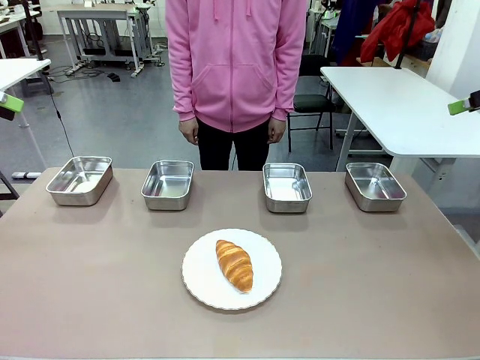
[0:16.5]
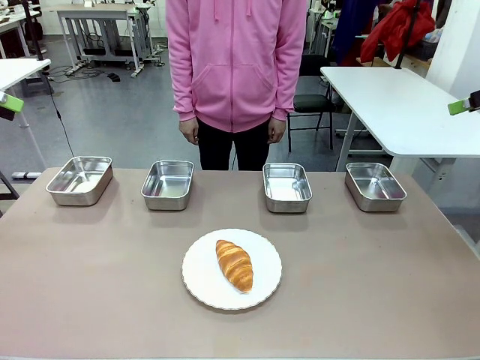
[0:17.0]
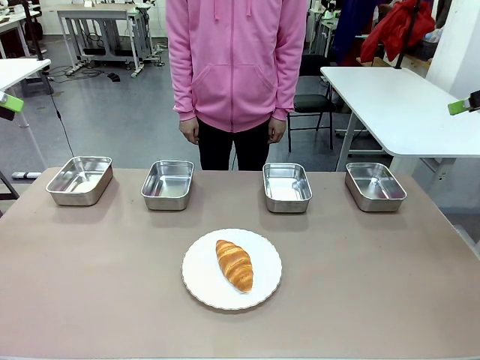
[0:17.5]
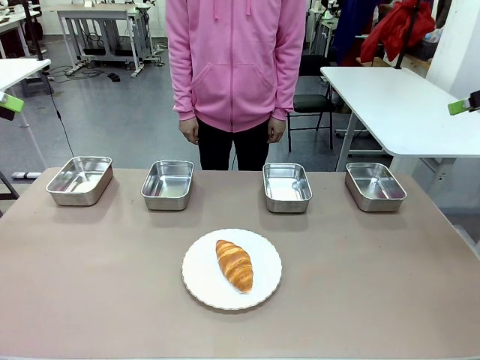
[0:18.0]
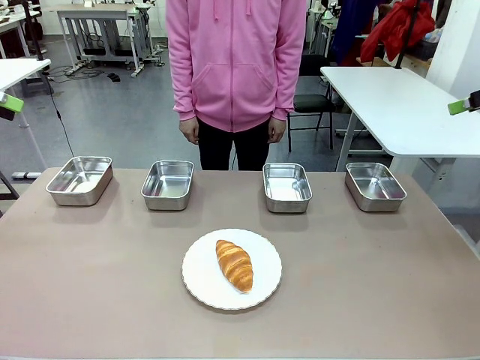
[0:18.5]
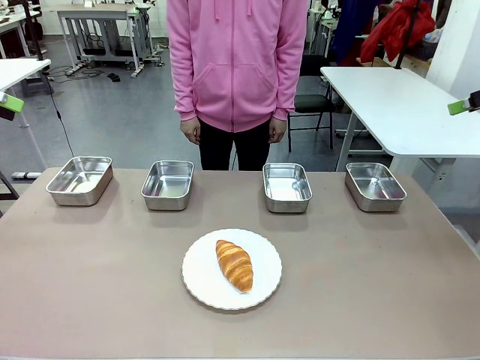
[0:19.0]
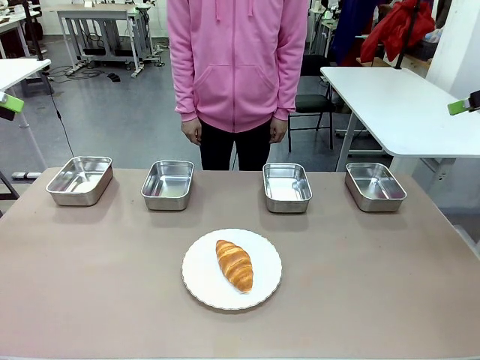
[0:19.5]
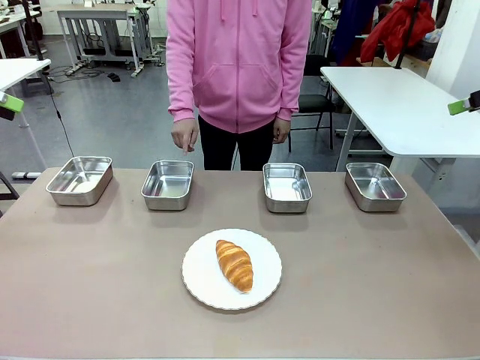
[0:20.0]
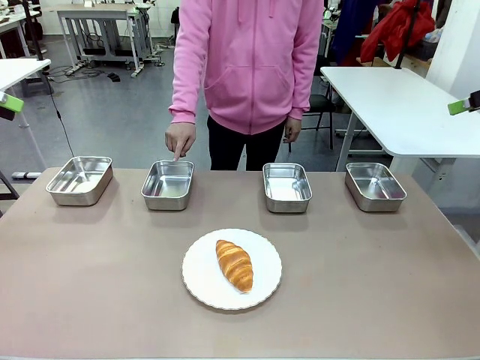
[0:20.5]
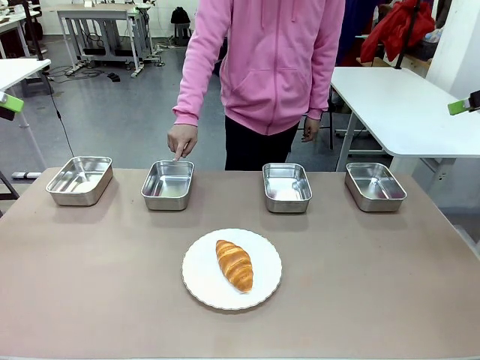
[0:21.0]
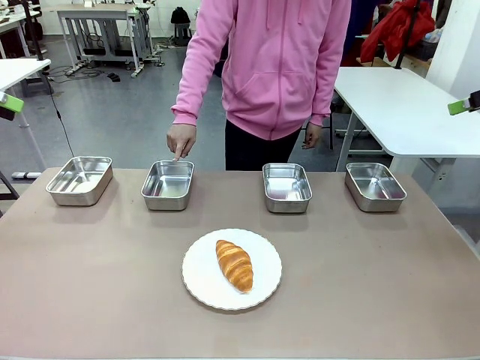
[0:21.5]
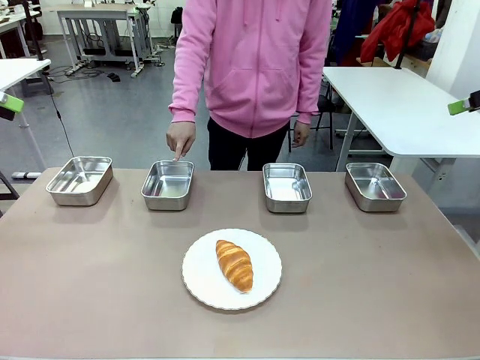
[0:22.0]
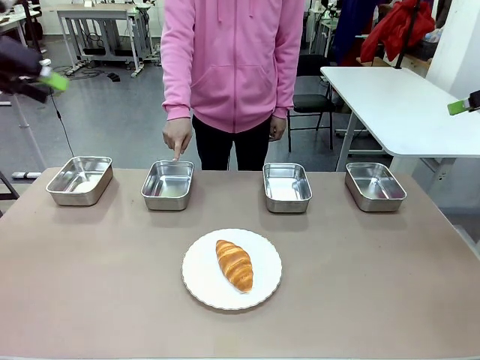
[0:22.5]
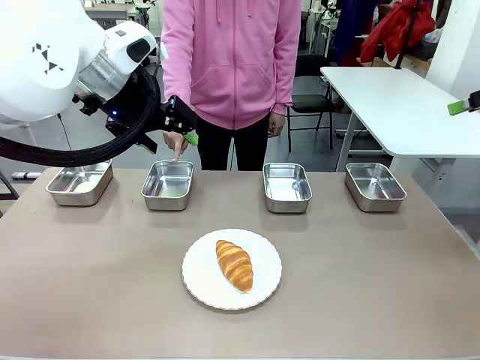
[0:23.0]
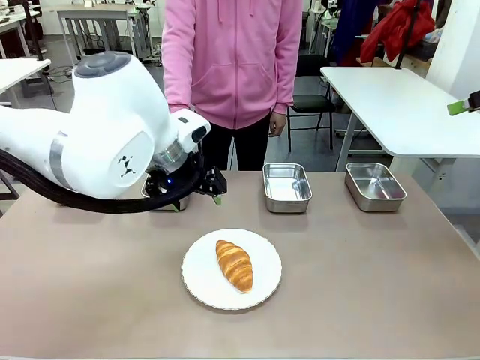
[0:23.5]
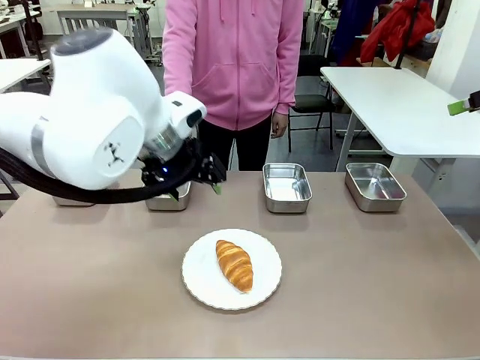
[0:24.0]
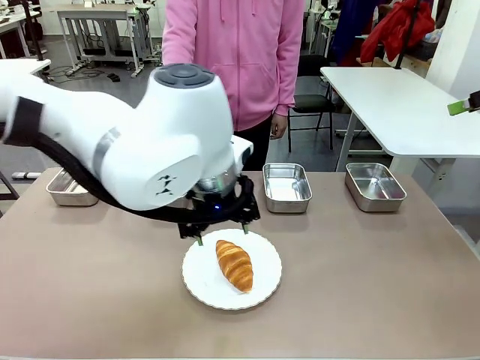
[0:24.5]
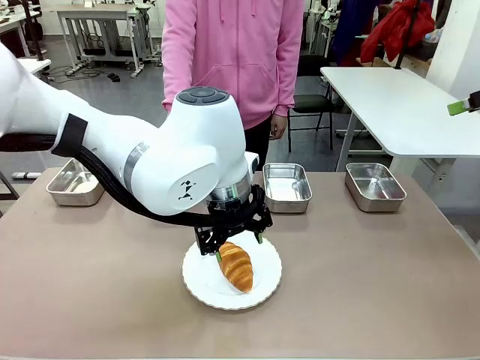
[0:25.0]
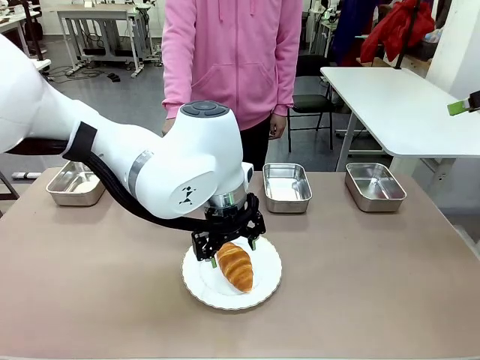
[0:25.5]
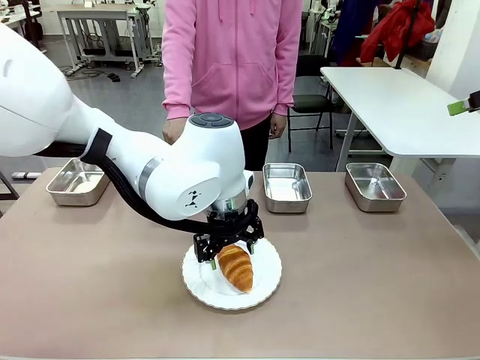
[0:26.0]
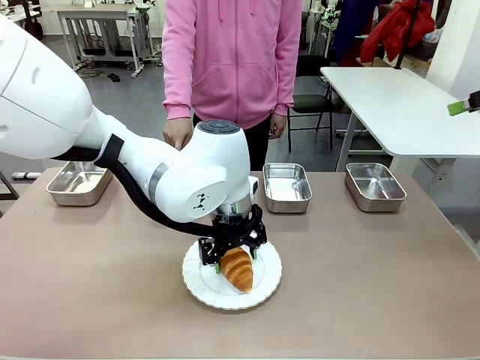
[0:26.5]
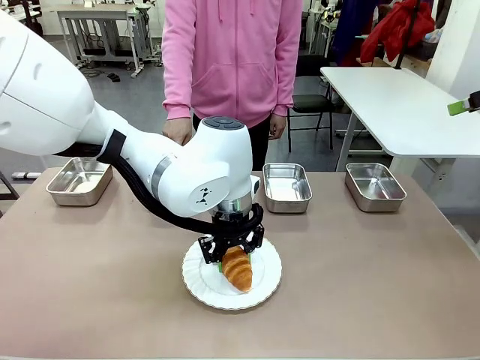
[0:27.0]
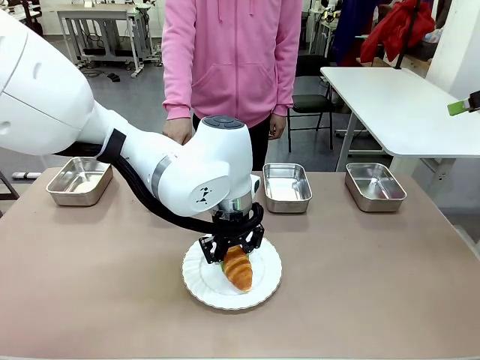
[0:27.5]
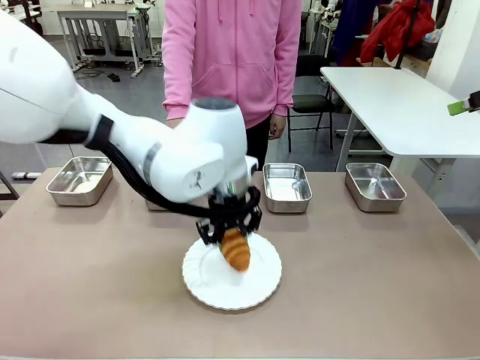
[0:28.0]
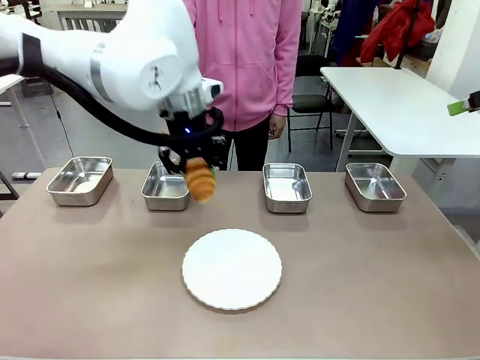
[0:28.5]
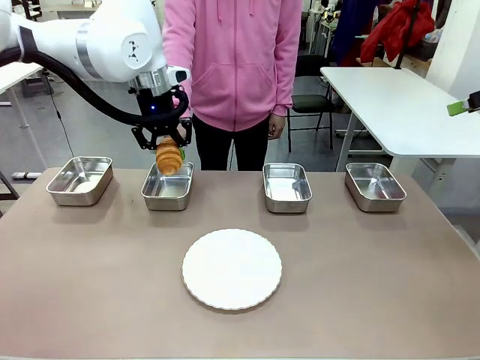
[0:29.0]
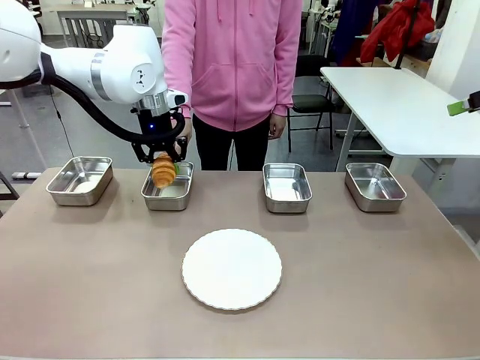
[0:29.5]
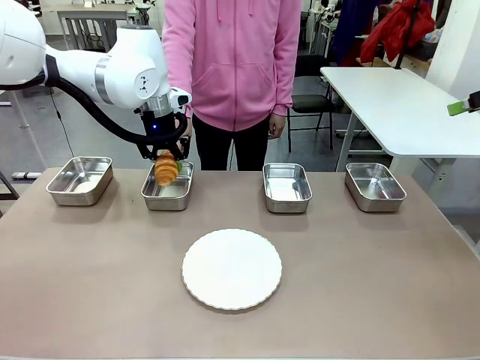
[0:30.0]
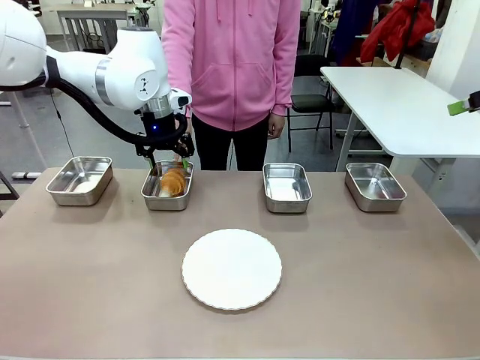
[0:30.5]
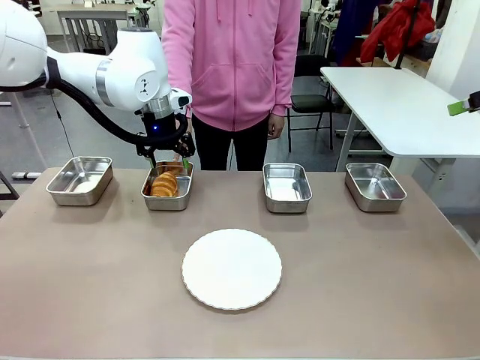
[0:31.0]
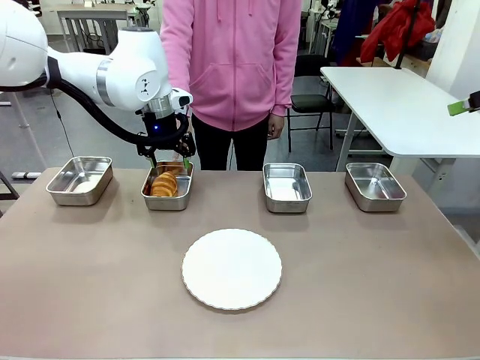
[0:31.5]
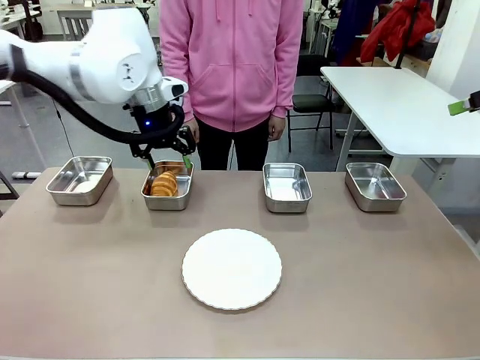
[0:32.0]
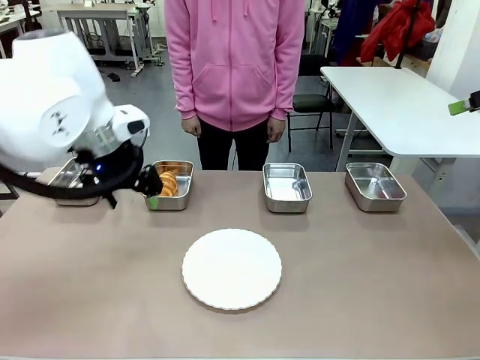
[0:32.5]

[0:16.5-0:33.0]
Task: Place the bread in the container.
Robot: Place the Butter Roll into the Airtight Container indicated by the human.

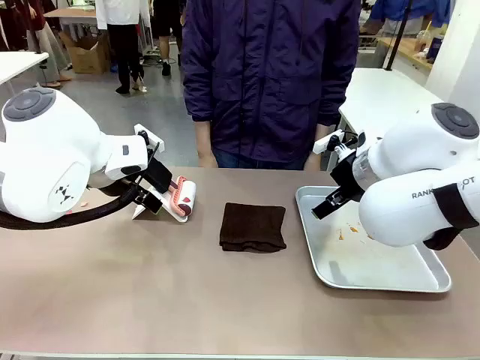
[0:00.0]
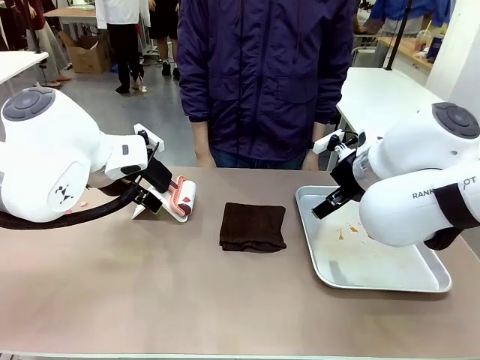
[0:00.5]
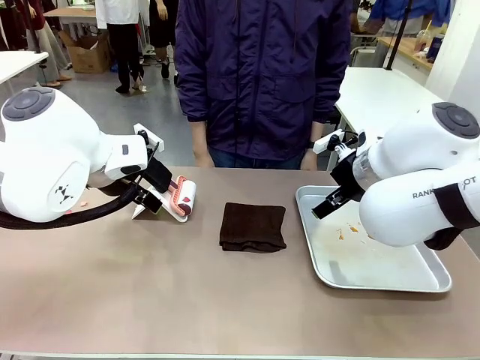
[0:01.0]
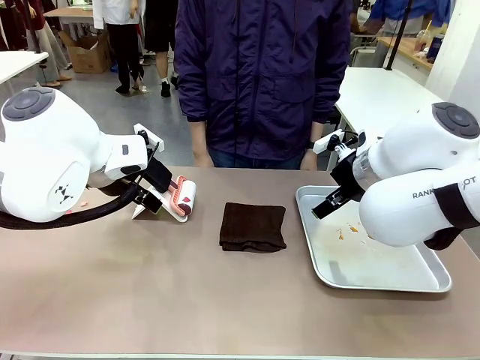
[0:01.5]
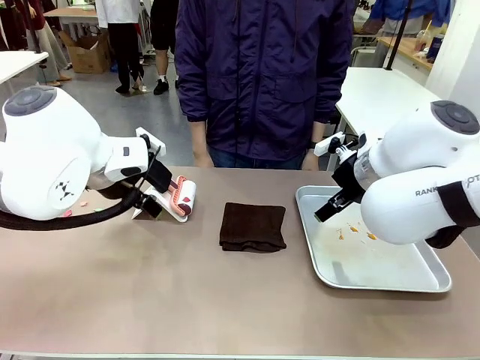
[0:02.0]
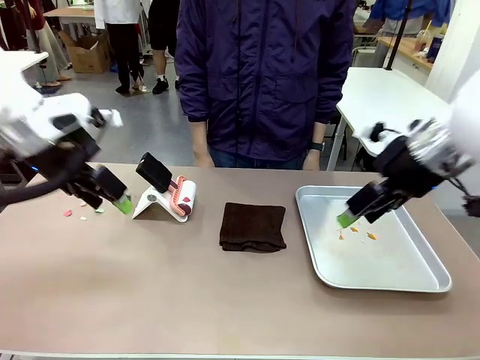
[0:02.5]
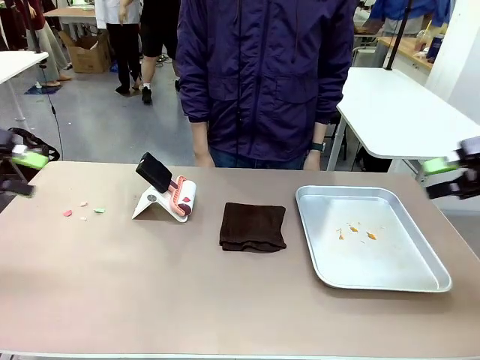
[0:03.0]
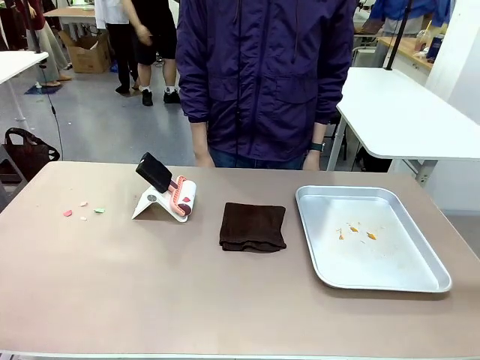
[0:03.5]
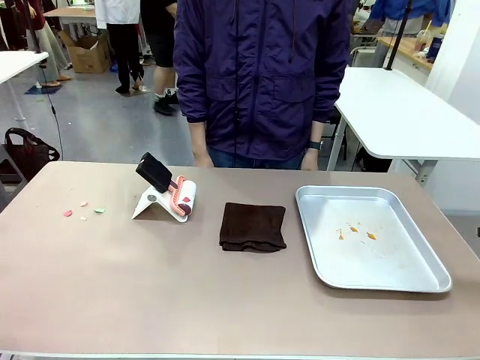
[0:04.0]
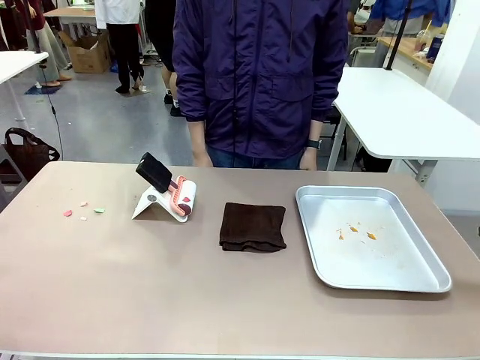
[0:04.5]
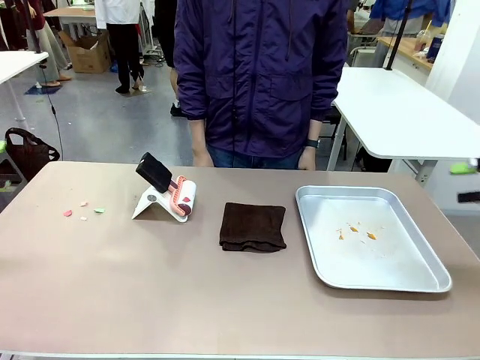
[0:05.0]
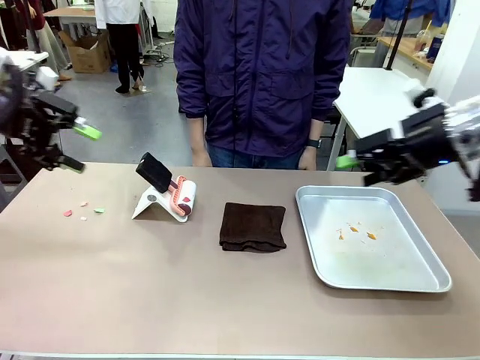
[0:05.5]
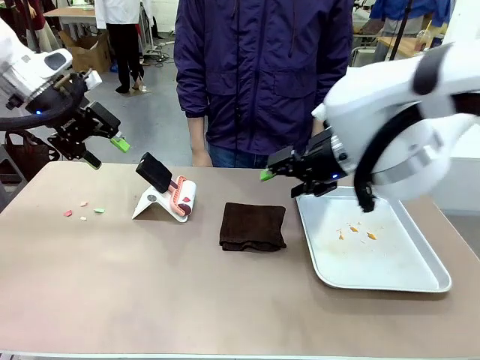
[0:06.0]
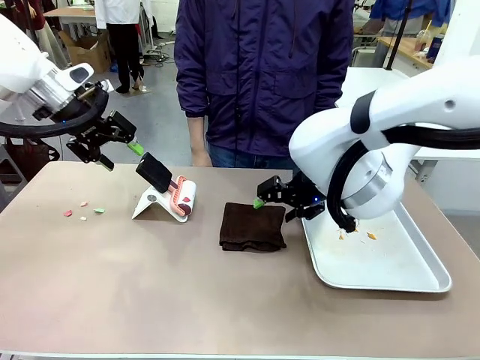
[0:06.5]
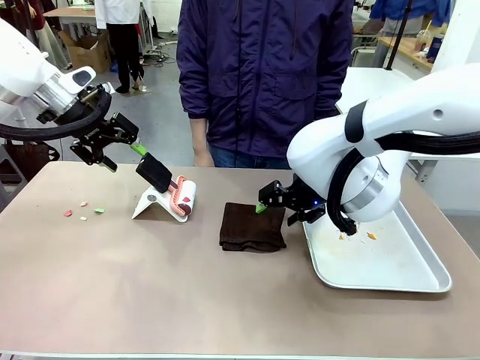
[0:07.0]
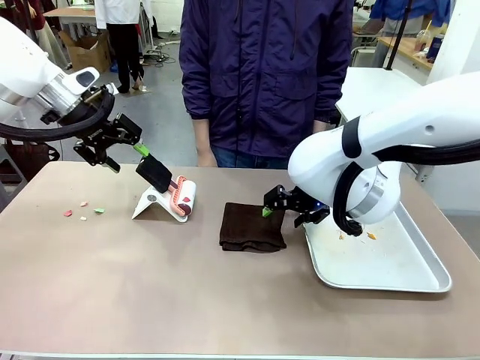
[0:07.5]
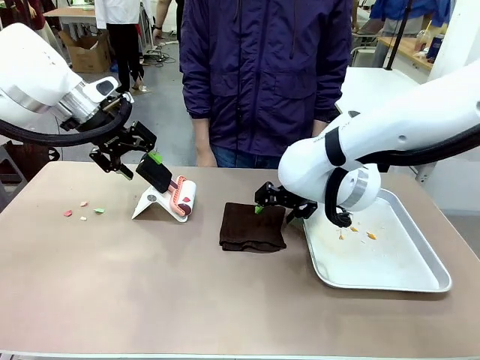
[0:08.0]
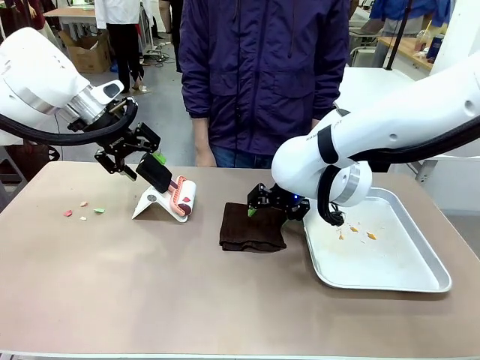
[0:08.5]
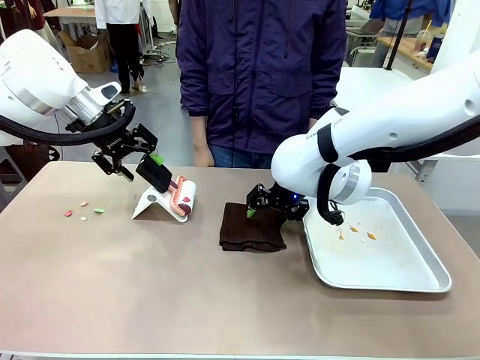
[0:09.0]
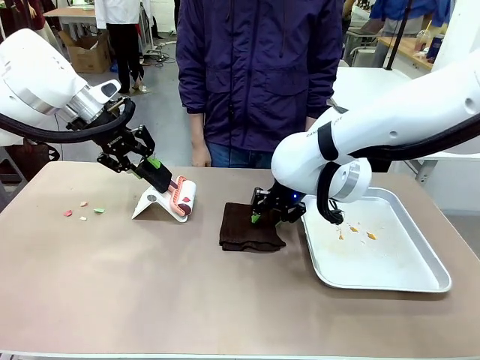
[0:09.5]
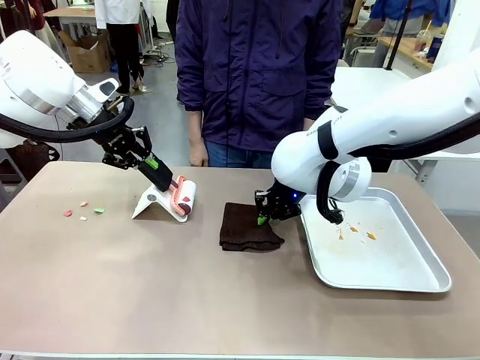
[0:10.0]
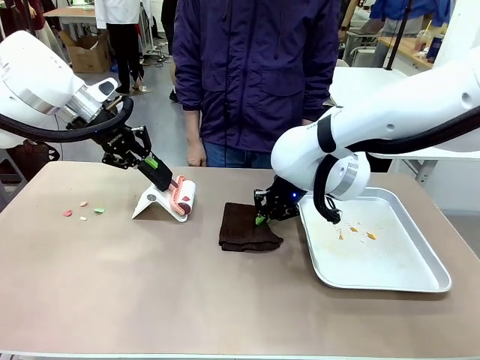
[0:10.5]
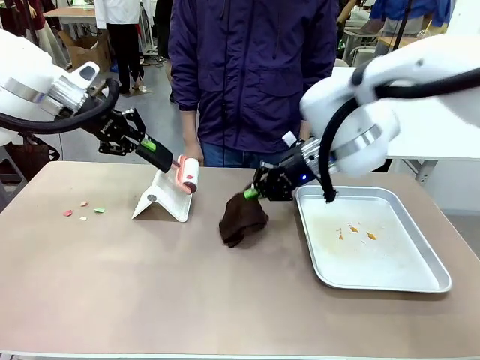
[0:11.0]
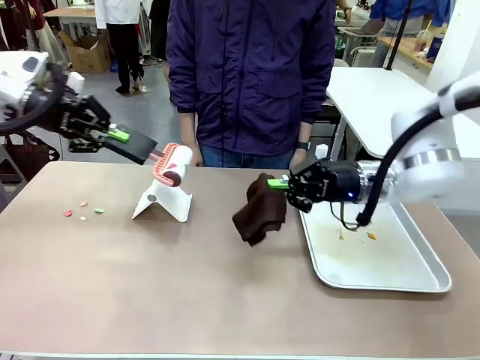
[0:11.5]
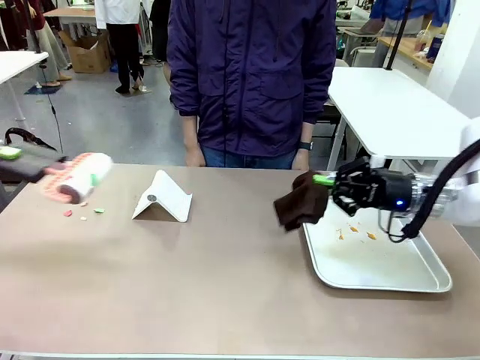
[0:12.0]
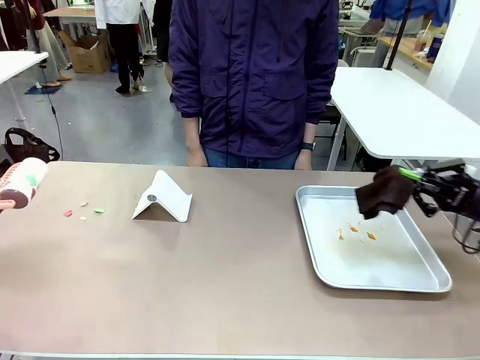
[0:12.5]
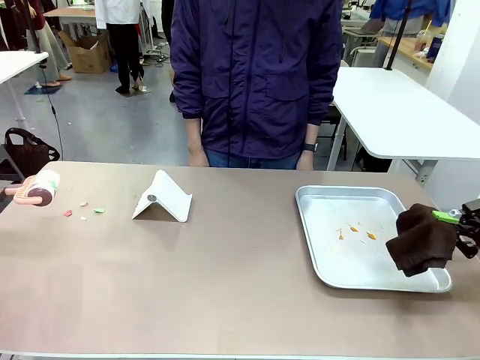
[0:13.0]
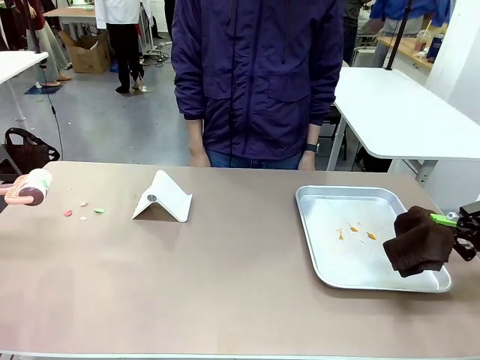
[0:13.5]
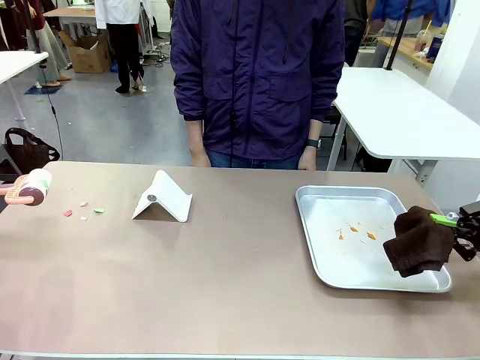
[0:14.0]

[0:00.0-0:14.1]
Task: Clean the surface of the table.
Robot: Hold the Lint Roller with your left hand and the towel with your right hand.
